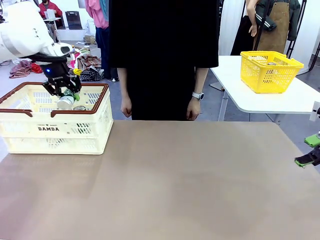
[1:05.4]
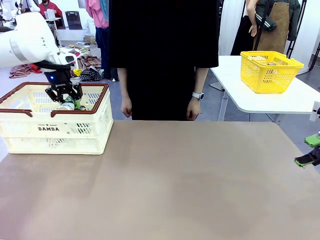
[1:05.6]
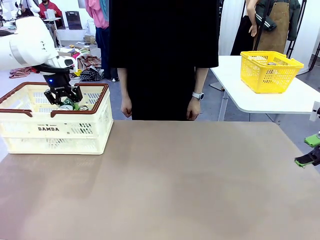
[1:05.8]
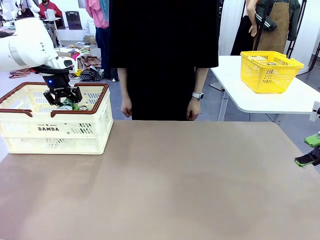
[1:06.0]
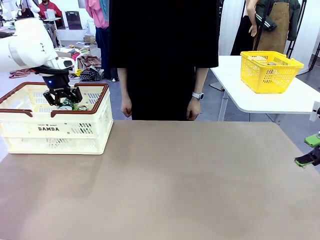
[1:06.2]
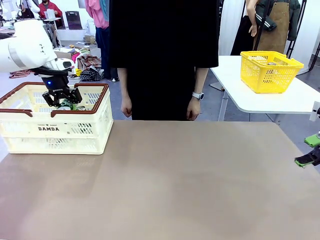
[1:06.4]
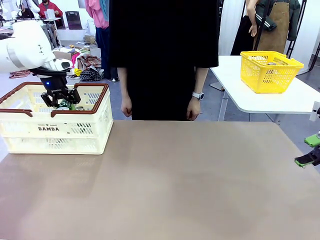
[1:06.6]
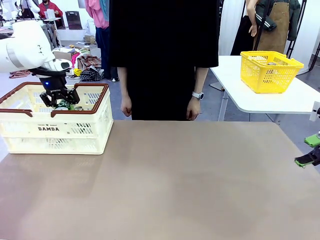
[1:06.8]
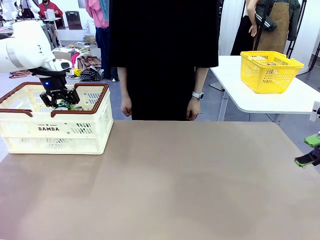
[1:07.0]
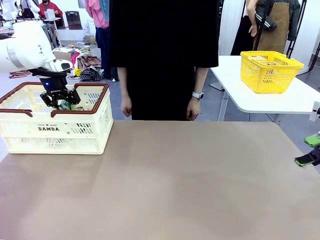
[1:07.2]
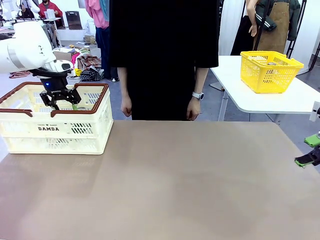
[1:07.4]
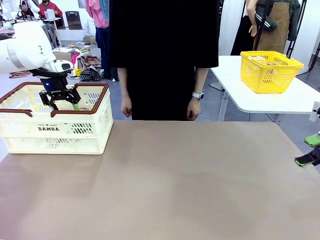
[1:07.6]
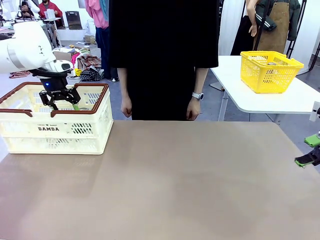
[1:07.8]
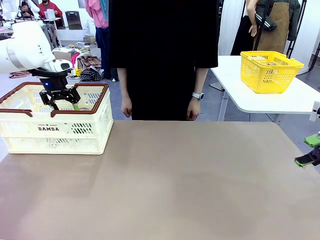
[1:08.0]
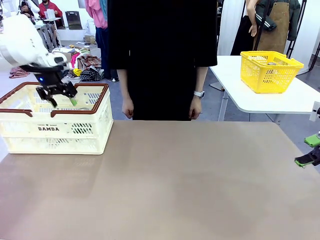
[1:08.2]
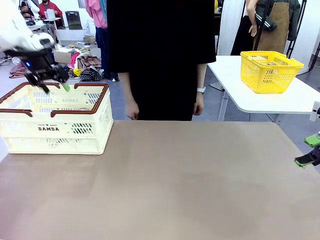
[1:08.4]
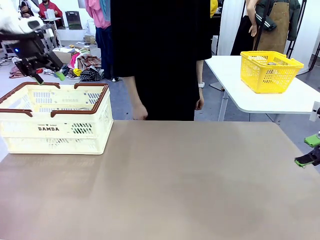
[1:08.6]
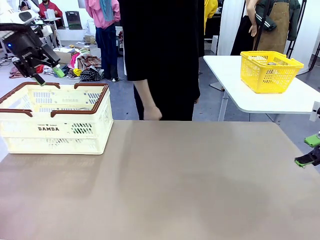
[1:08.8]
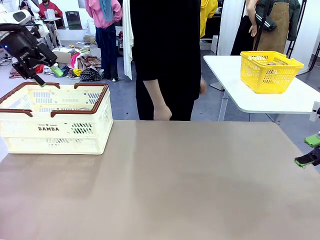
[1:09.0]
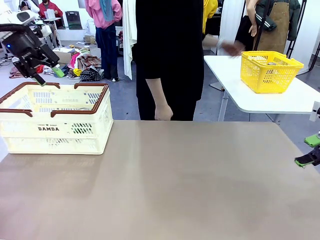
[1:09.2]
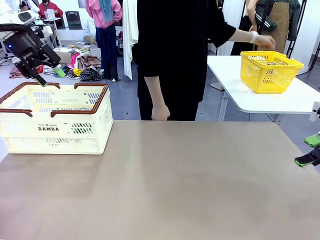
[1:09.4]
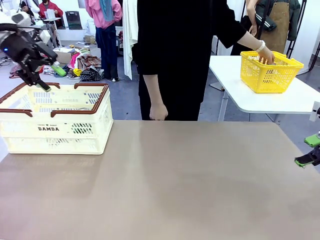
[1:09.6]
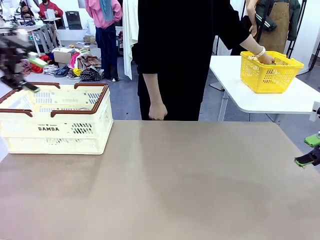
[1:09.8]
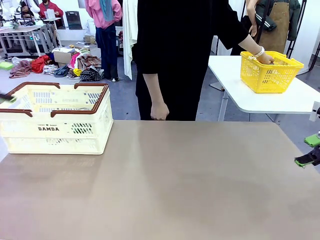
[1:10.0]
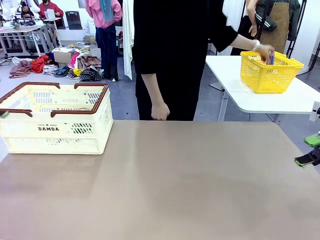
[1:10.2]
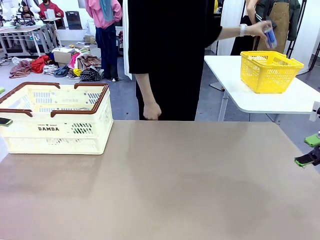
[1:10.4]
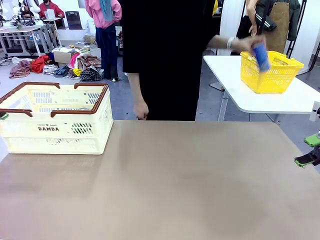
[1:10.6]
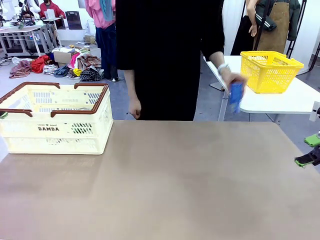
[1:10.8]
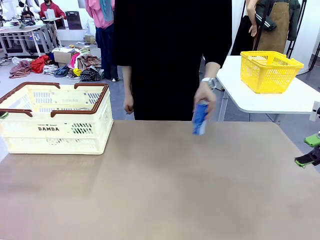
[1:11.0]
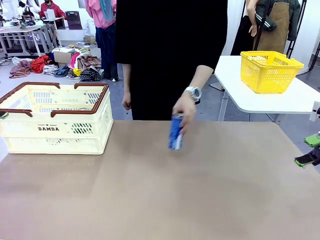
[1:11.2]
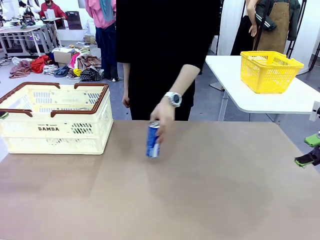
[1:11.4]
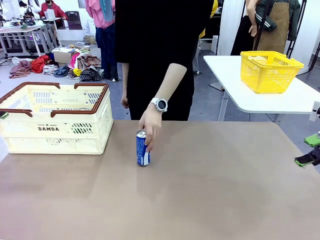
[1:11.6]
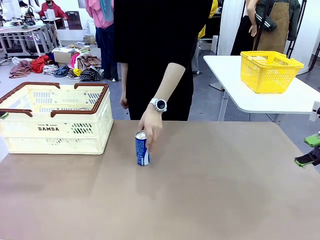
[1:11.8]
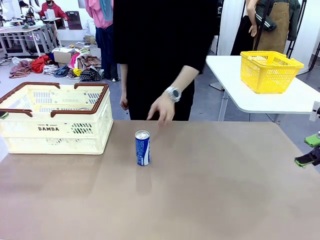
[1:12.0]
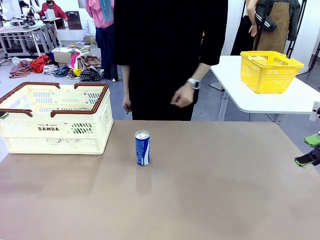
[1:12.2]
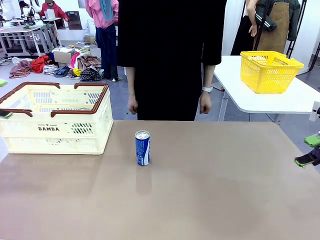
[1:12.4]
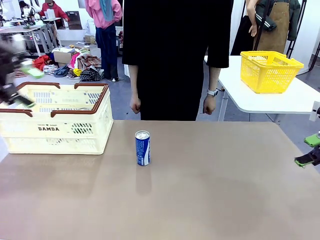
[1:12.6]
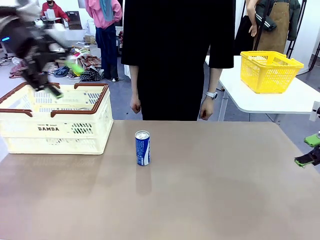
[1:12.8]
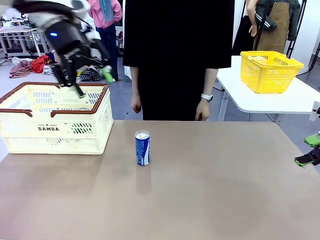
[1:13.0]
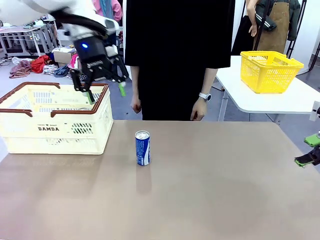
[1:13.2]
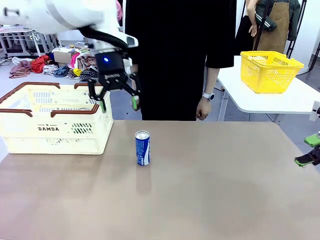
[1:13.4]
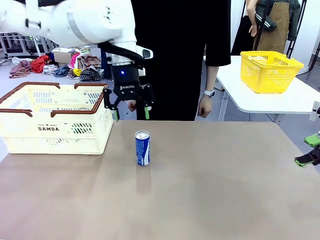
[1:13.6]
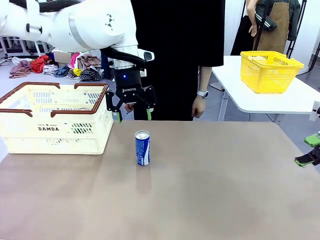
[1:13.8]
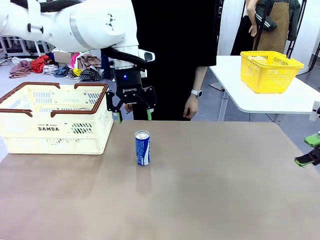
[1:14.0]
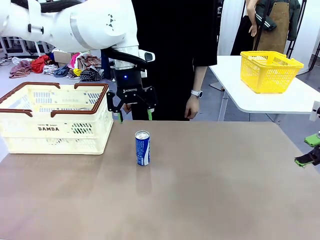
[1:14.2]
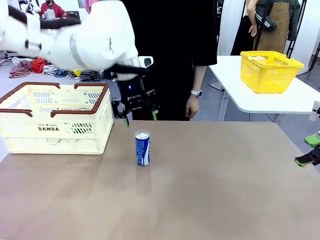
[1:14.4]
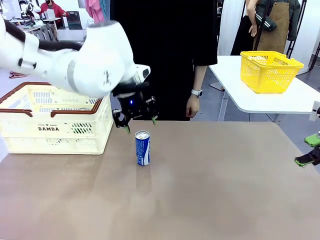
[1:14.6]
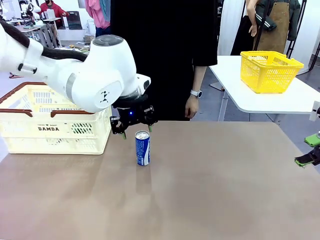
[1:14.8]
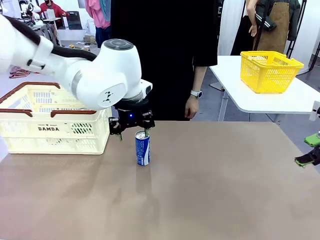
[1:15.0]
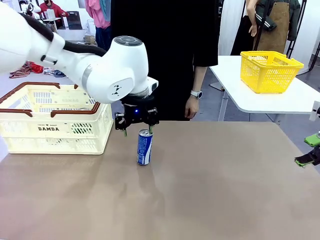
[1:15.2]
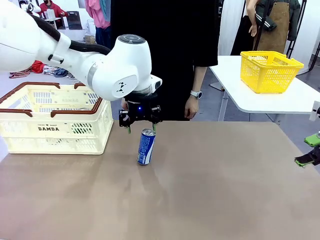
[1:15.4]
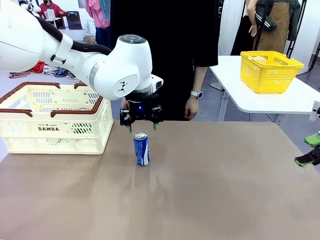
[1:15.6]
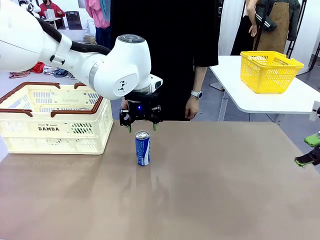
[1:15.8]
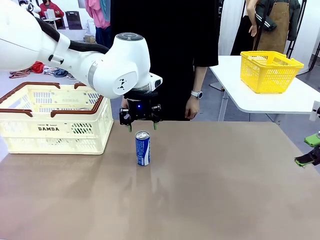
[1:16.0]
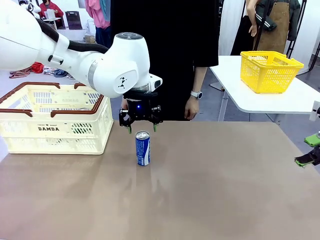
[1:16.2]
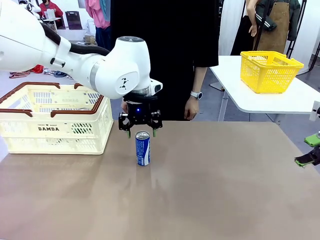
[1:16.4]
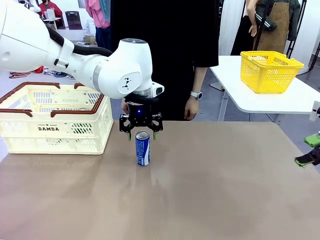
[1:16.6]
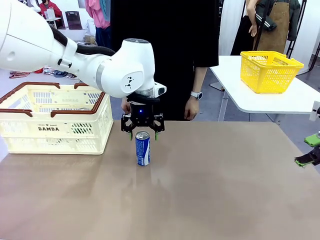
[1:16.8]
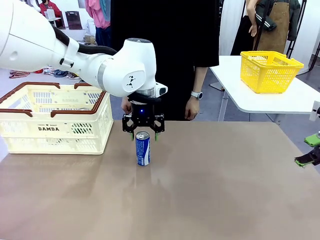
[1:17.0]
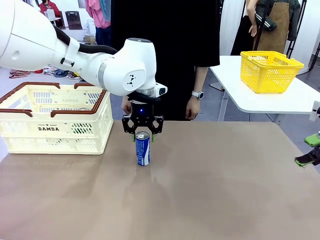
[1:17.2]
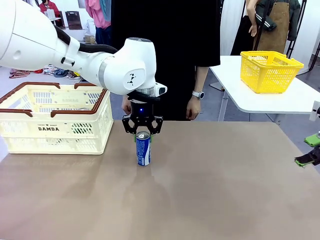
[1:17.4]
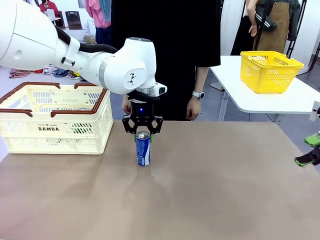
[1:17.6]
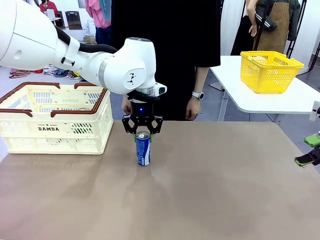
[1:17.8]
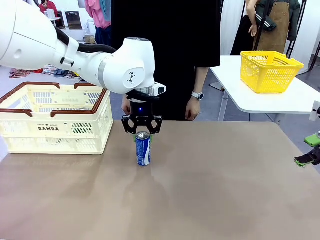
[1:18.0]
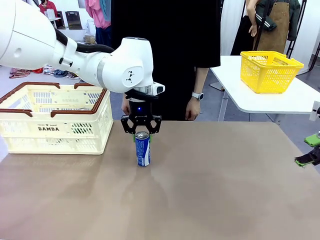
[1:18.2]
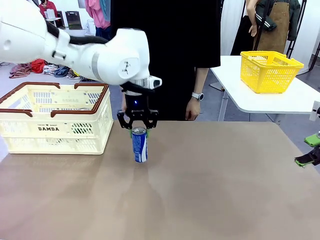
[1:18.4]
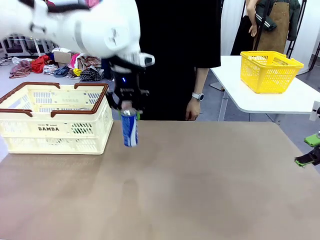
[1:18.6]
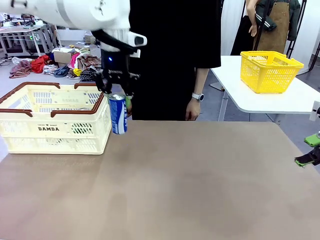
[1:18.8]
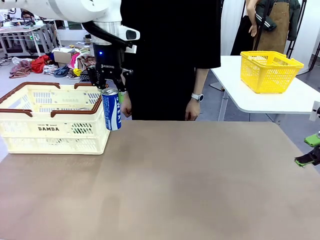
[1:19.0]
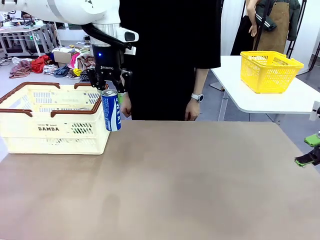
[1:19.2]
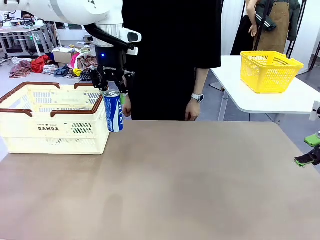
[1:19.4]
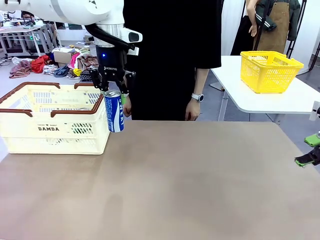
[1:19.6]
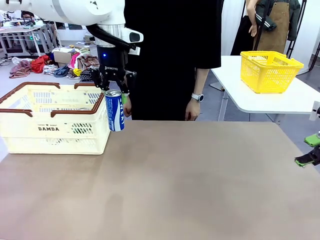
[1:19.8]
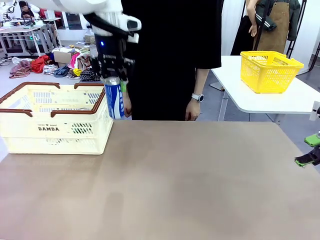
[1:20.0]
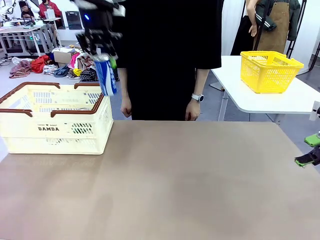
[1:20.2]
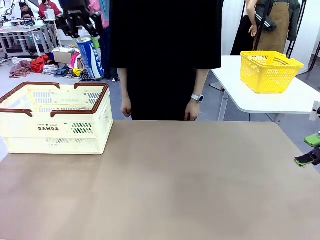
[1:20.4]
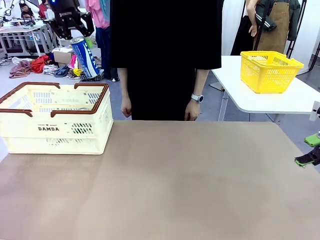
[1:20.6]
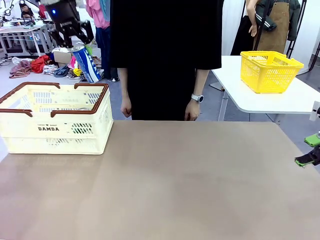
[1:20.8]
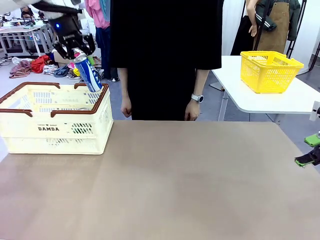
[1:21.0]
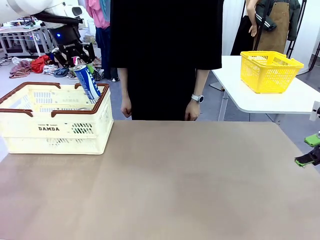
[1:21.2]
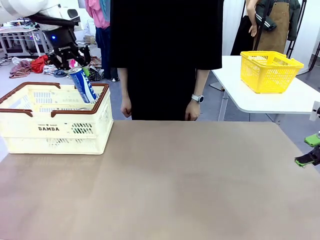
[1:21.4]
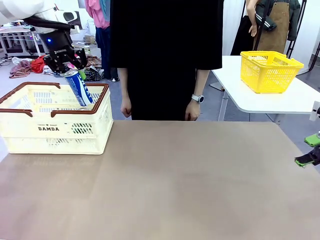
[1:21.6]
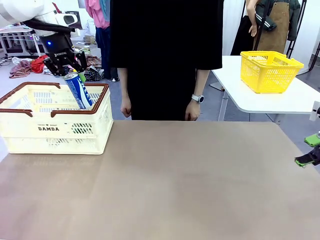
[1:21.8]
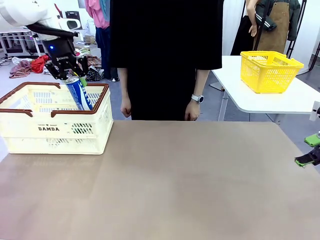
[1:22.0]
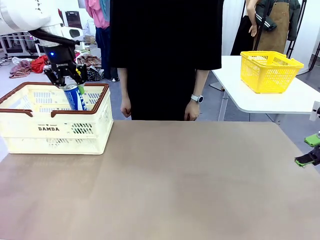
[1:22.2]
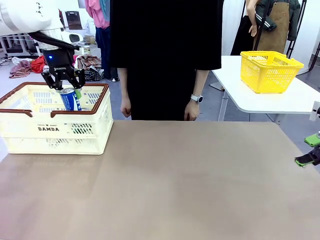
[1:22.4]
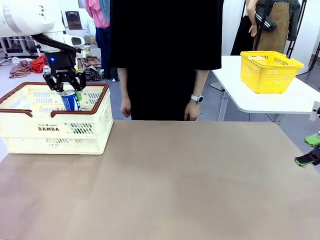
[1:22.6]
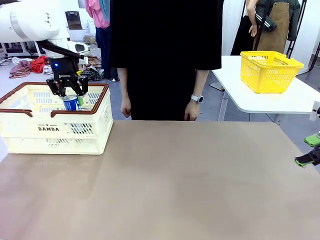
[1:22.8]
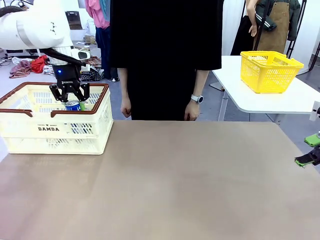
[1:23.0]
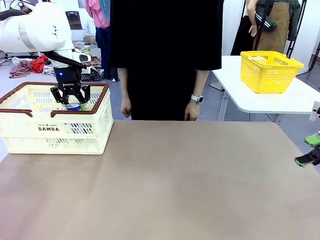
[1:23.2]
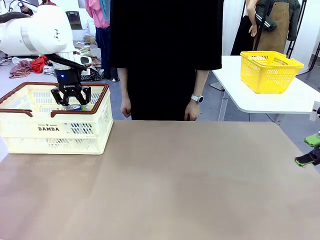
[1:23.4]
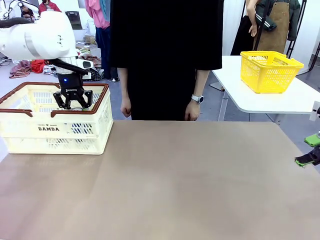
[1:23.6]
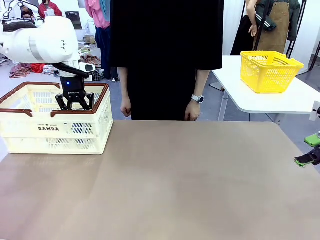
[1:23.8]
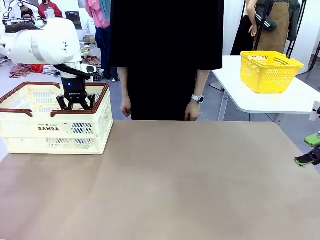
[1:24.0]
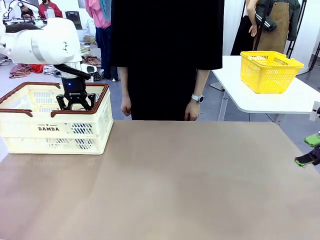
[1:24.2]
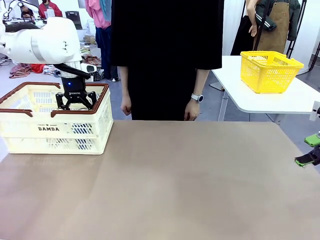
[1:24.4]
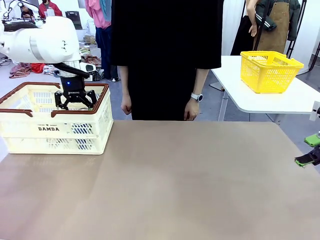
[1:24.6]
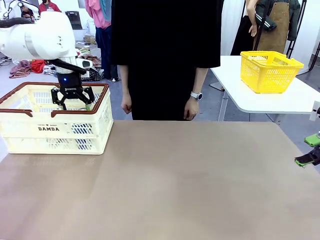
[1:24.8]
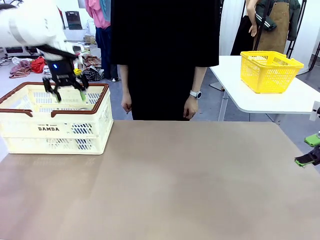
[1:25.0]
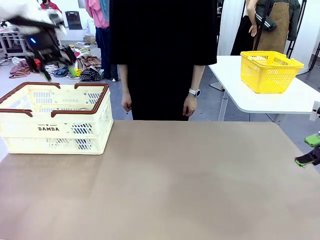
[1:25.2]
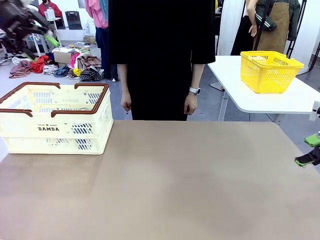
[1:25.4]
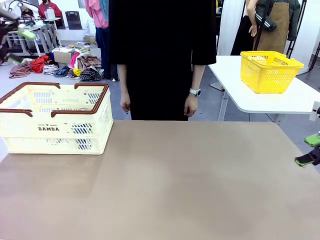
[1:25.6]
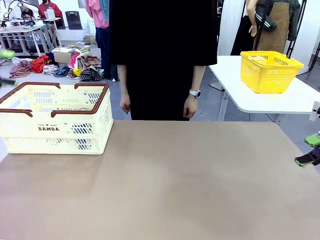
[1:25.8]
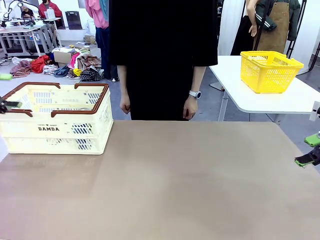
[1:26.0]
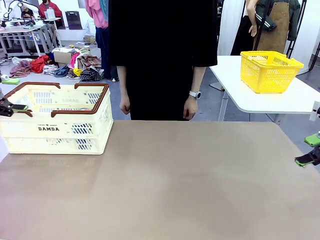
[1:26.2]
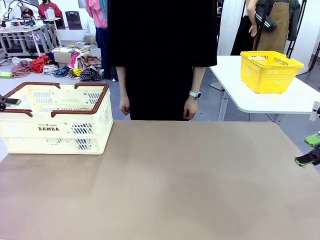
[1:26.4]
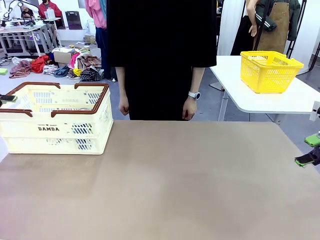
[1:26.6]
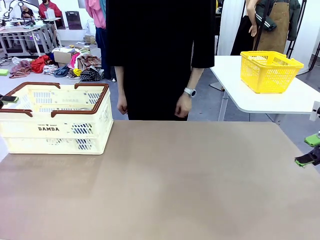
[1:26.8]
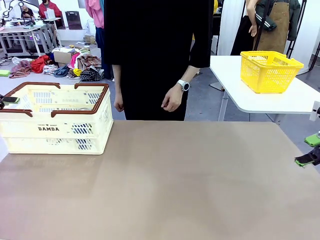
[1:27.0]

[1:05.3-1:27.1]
Task: Place the drinks into the Shopping basket.
Robot: Pick up one drink and place it into the Shopping basket.
